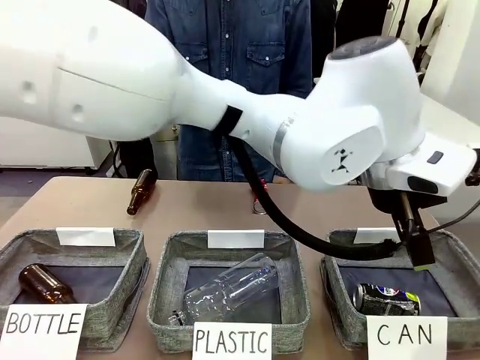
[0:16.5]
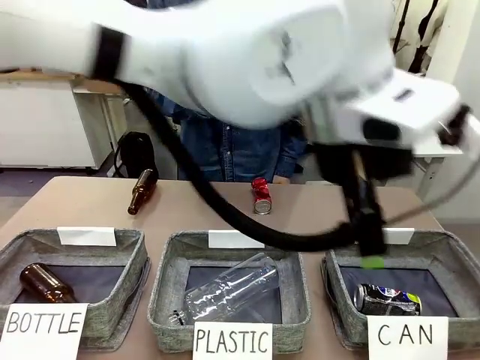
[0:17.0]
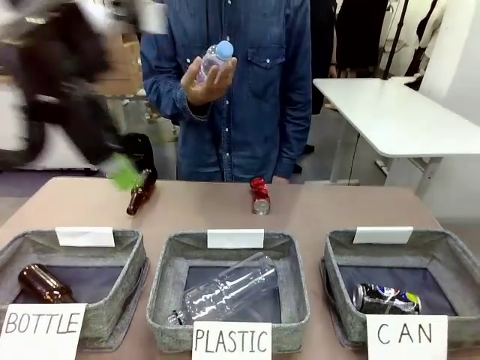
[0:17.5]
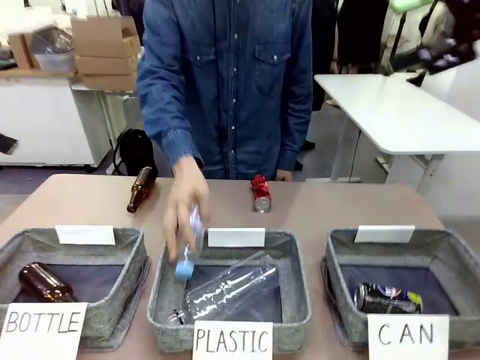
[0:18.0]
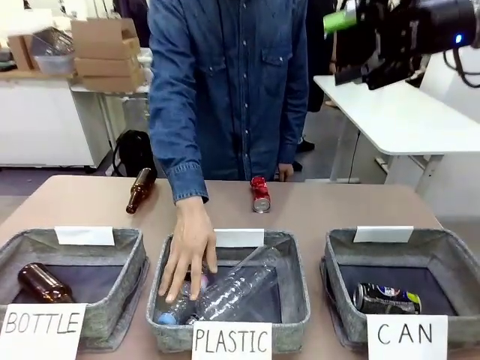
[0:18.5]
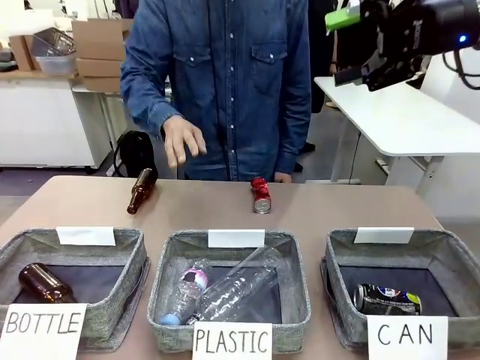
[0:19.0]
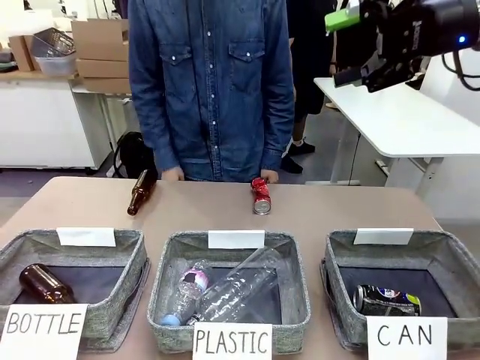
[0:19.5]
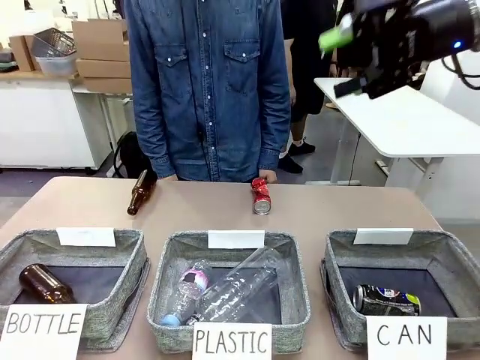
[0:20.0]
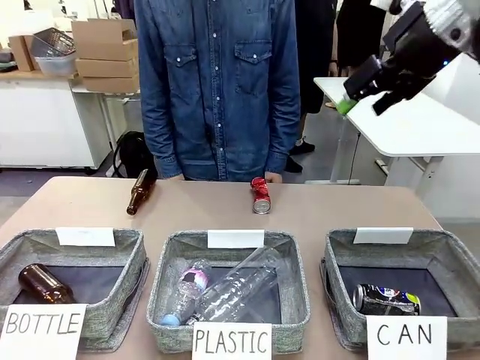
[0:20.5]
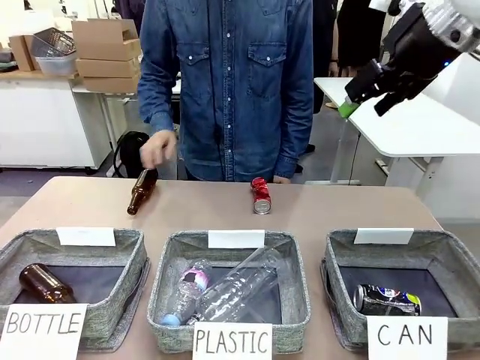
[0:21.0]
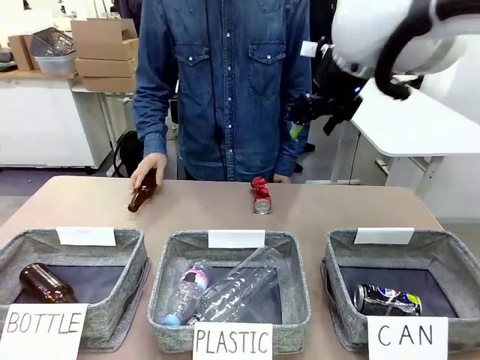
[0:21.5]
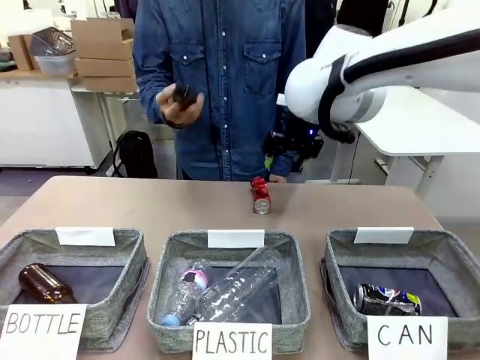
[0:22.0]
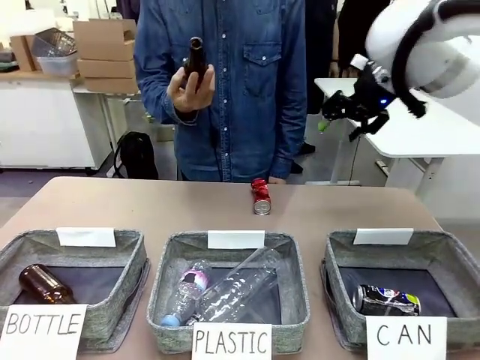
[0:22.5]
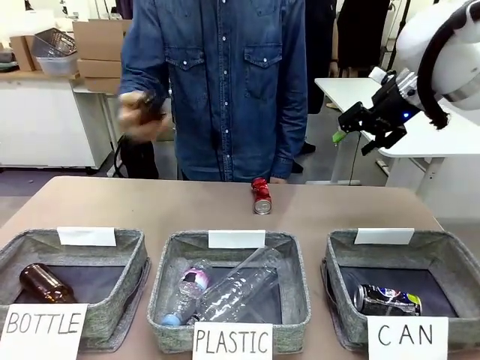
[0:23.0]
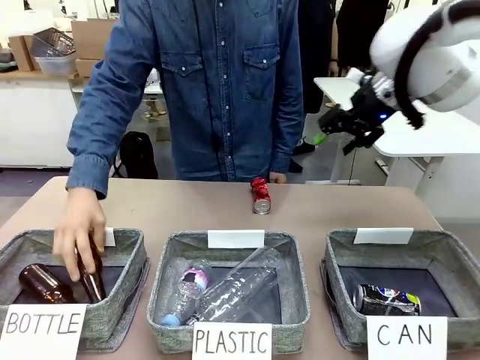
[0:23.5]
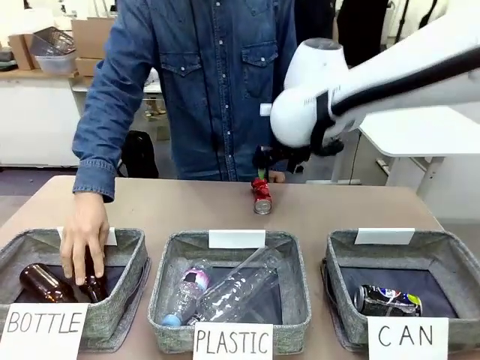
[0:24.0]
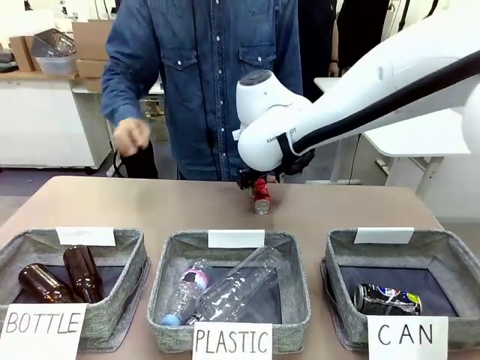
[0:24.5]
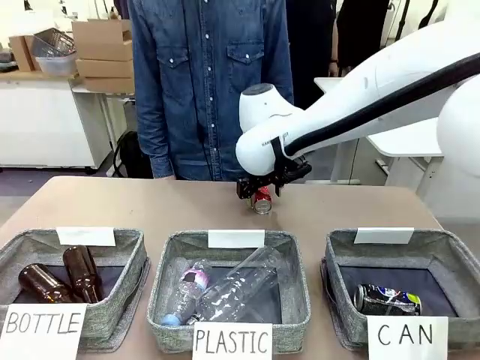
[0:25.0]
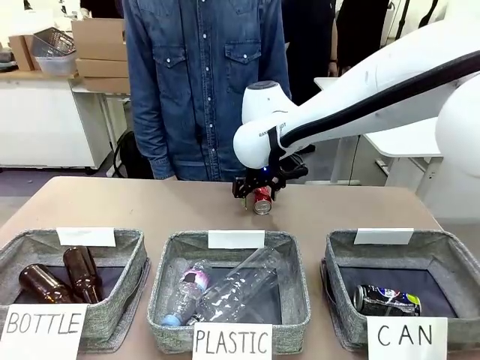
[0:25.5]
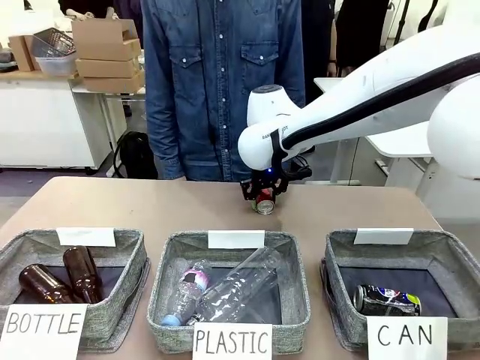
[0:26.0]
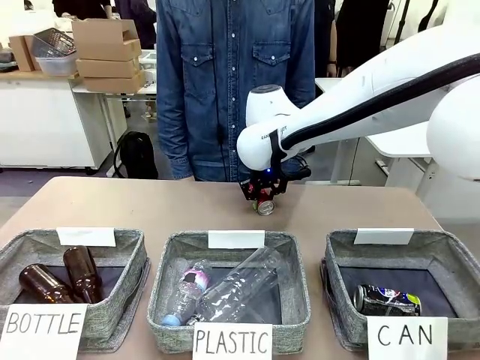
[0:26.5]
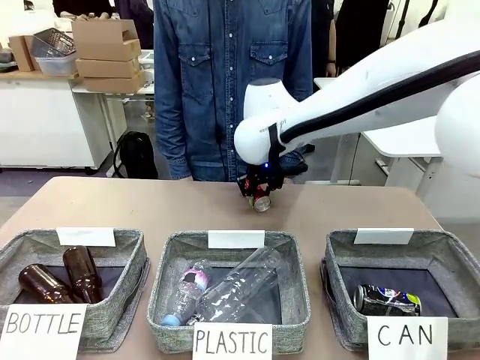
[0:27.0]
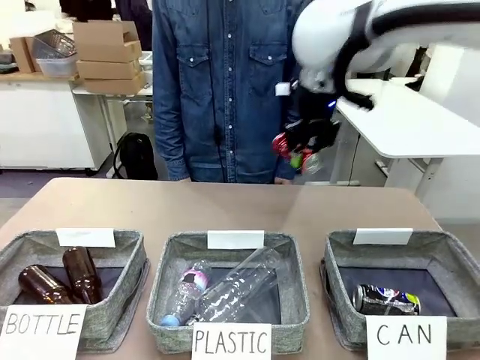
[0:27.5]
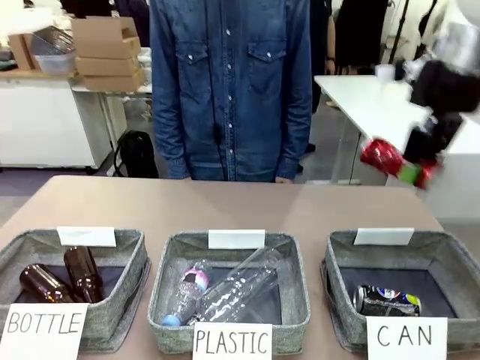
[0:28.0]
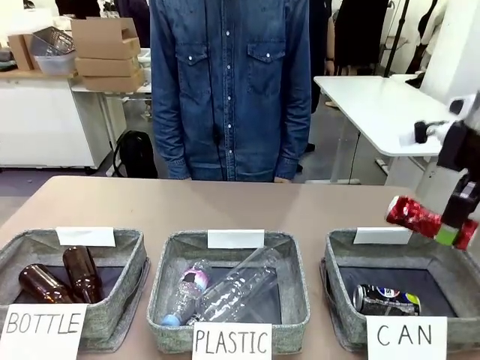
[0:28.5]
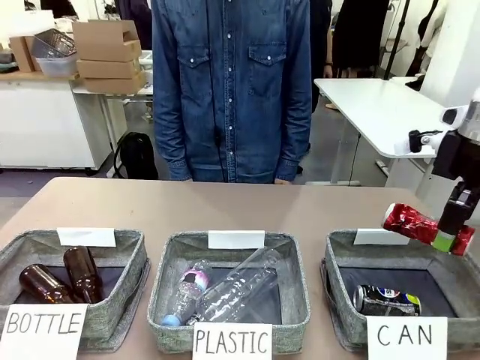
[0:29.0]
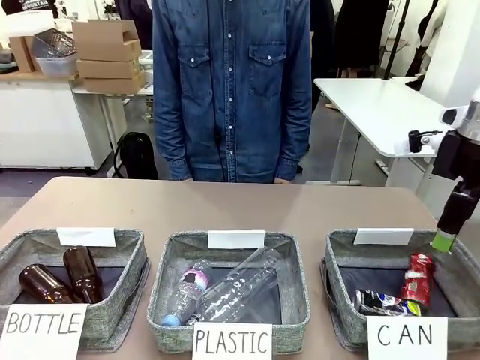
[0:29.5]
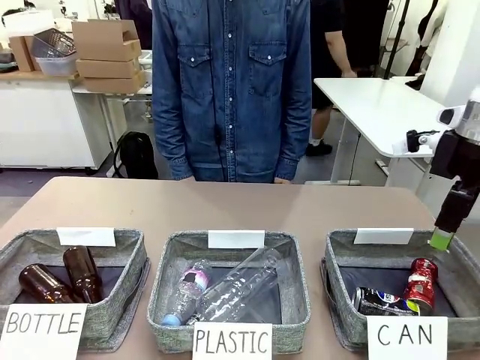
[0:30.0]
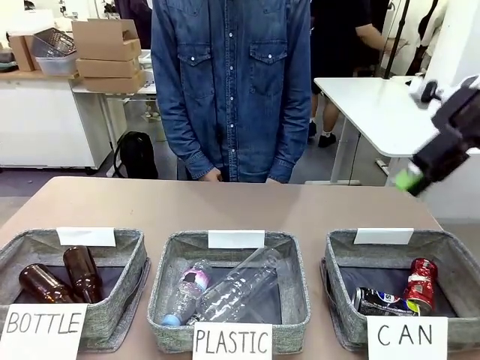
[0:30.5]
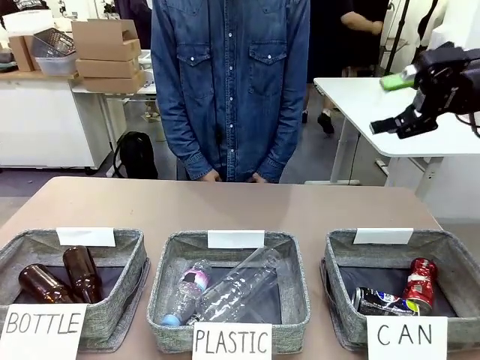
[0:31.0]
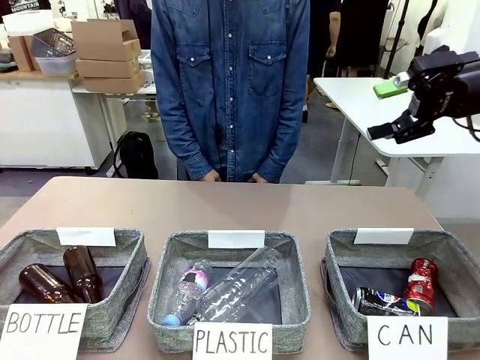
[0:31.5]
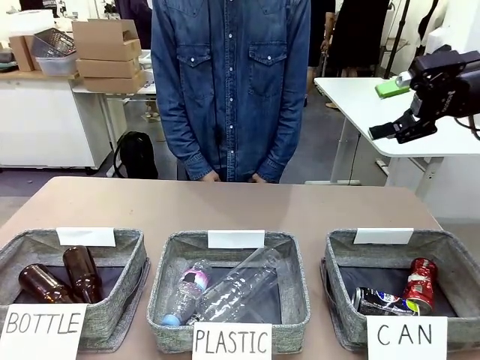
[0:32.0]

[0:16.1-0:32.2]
Task: Sort the can waste into the basket.
Robot: Pick up the can waste from the table and place it in the right Fabric basket.
